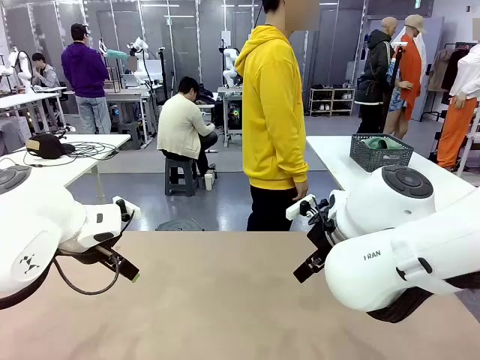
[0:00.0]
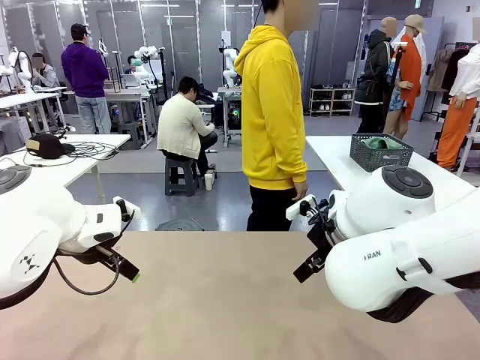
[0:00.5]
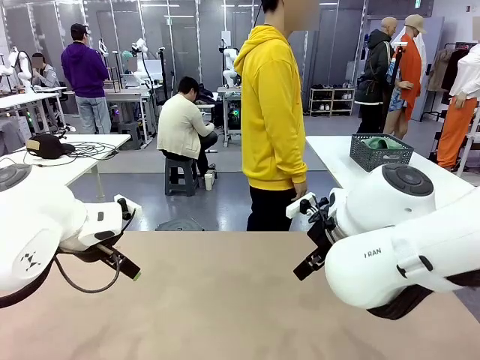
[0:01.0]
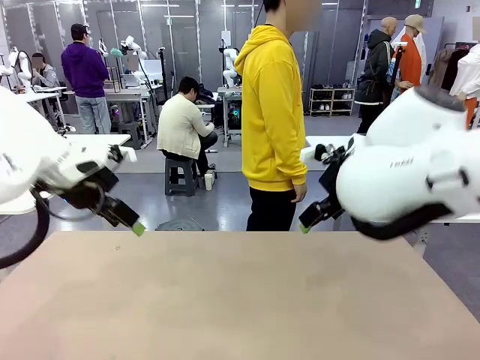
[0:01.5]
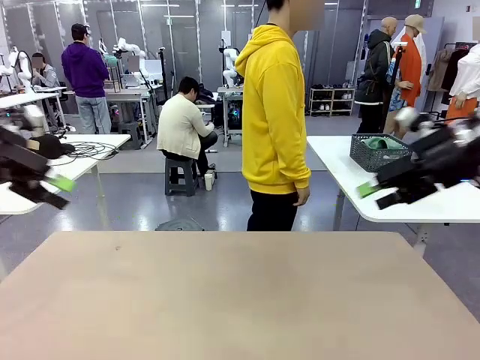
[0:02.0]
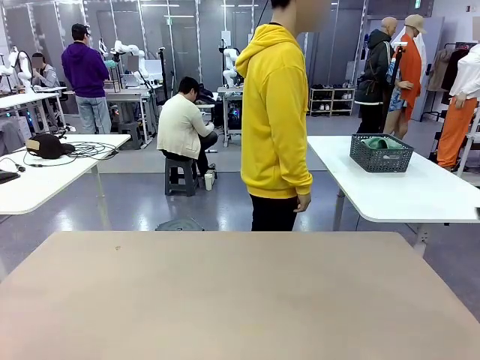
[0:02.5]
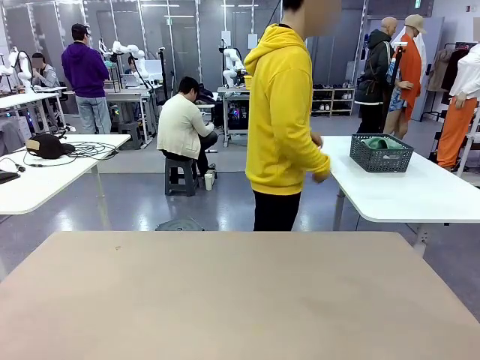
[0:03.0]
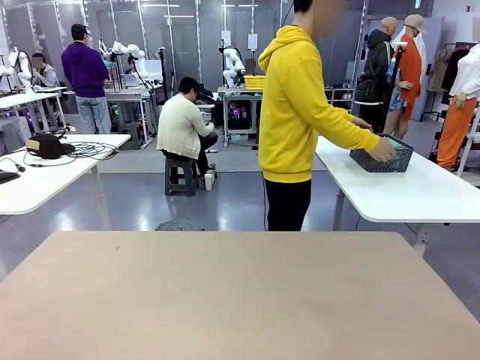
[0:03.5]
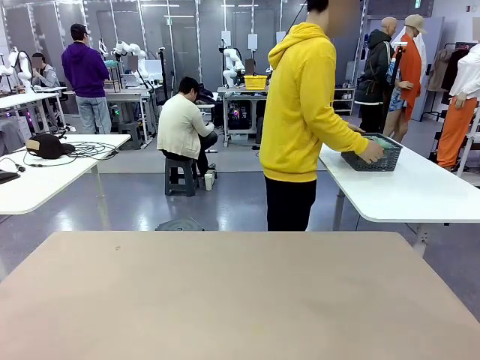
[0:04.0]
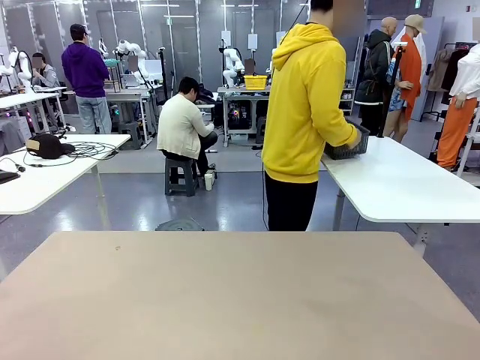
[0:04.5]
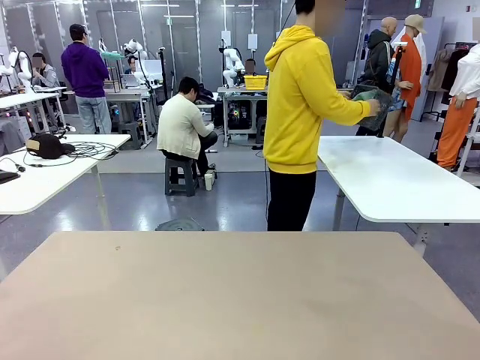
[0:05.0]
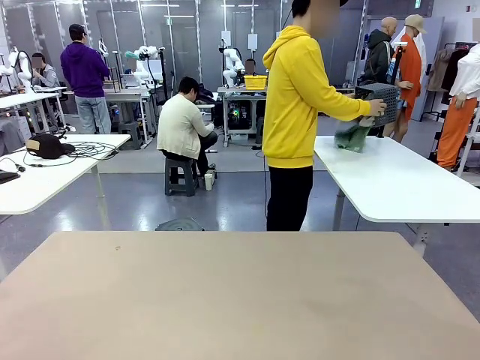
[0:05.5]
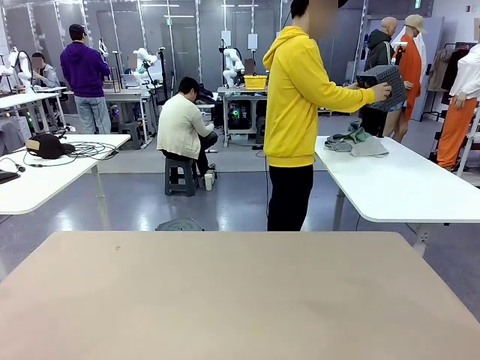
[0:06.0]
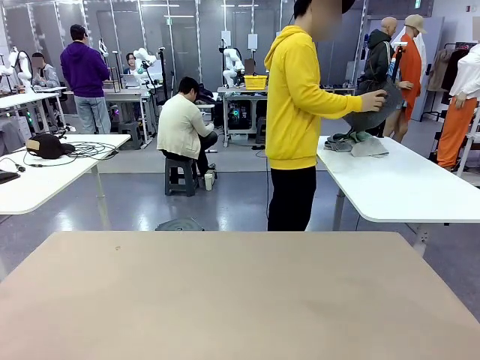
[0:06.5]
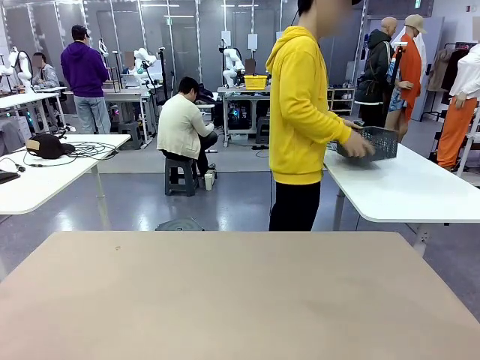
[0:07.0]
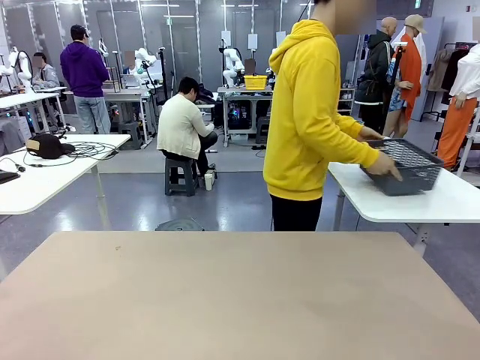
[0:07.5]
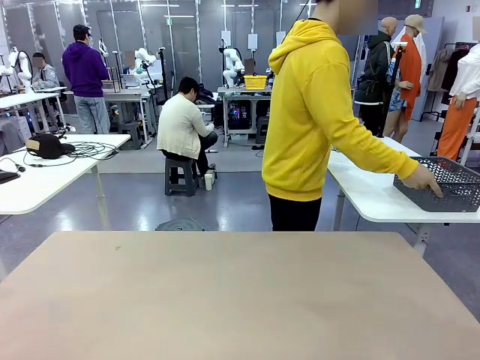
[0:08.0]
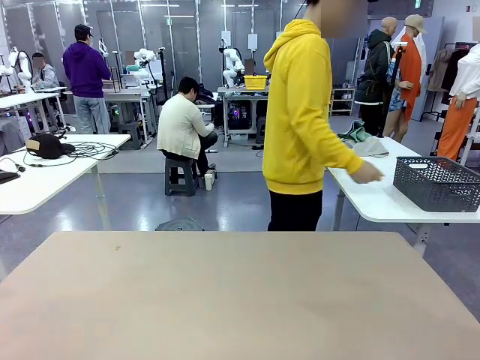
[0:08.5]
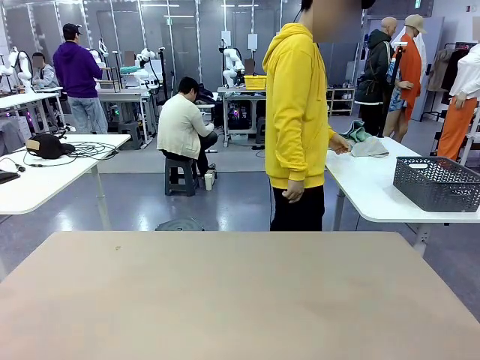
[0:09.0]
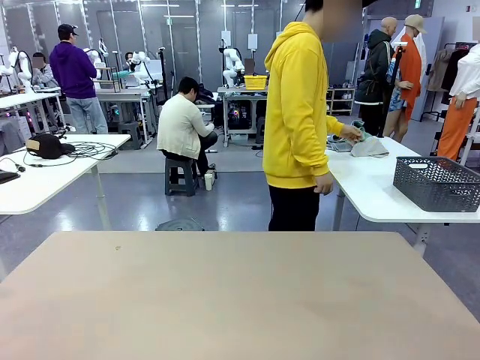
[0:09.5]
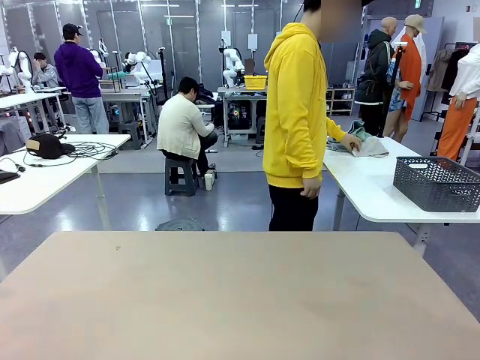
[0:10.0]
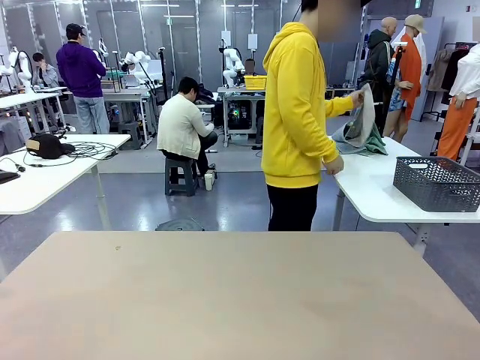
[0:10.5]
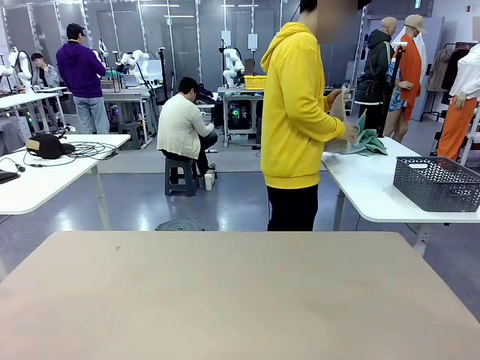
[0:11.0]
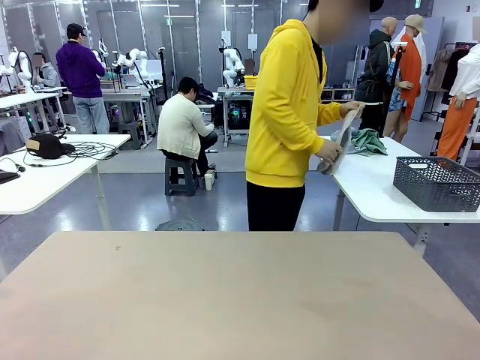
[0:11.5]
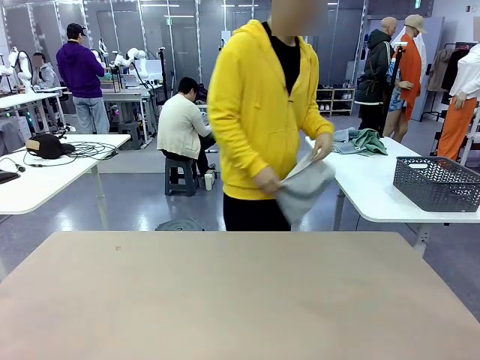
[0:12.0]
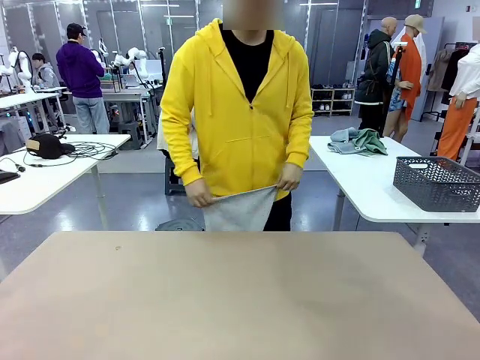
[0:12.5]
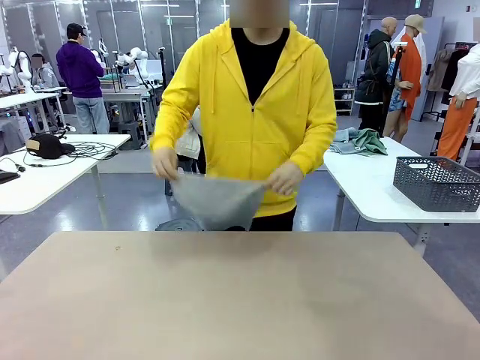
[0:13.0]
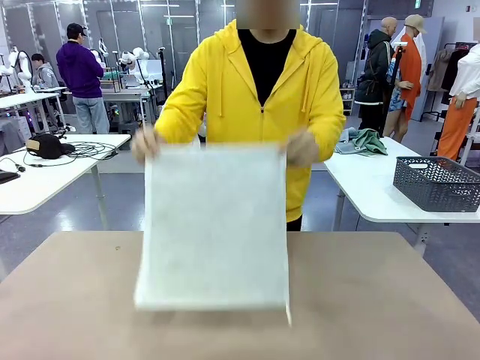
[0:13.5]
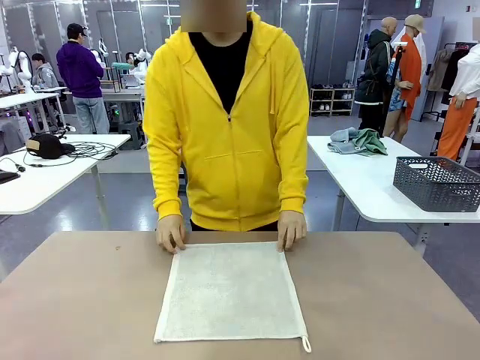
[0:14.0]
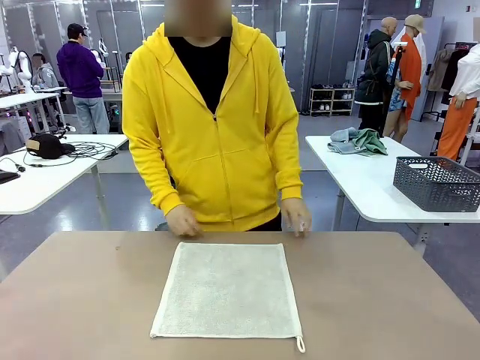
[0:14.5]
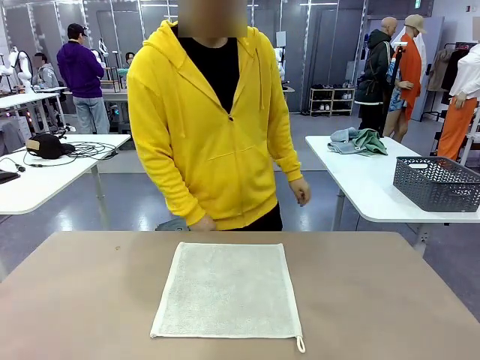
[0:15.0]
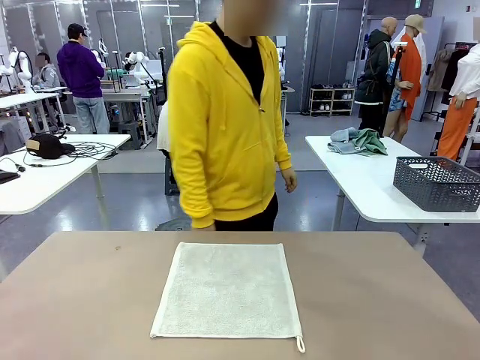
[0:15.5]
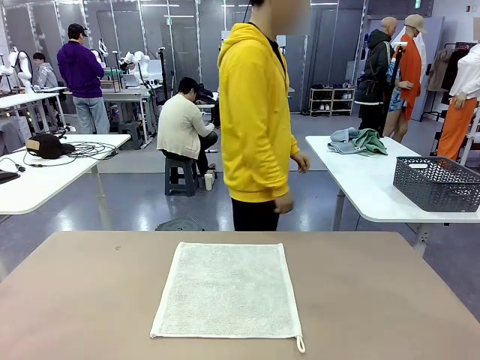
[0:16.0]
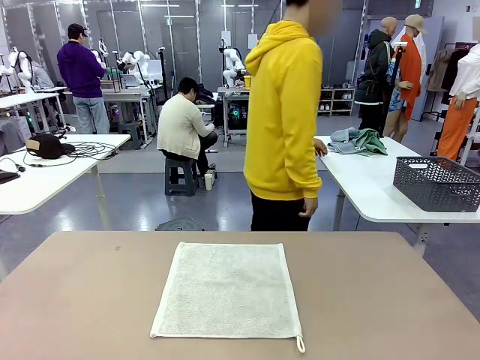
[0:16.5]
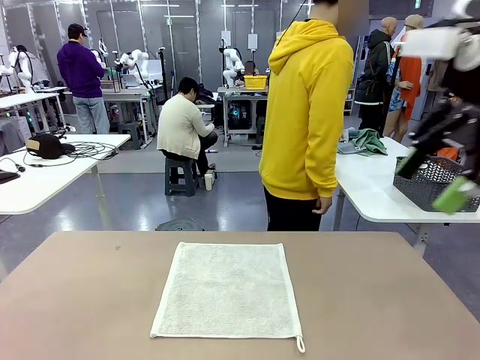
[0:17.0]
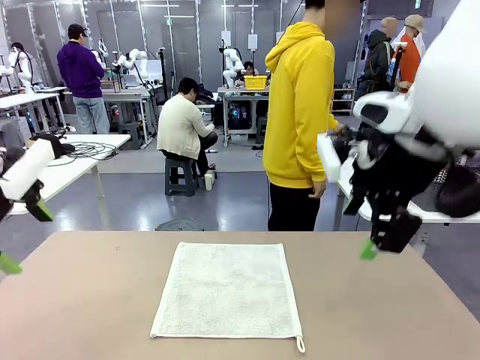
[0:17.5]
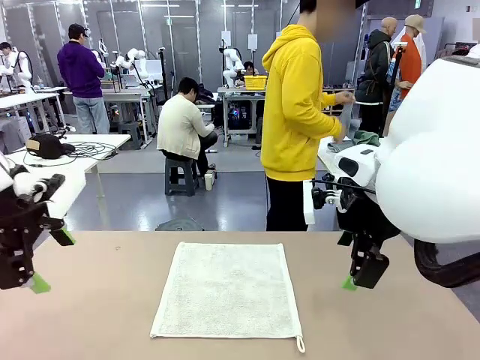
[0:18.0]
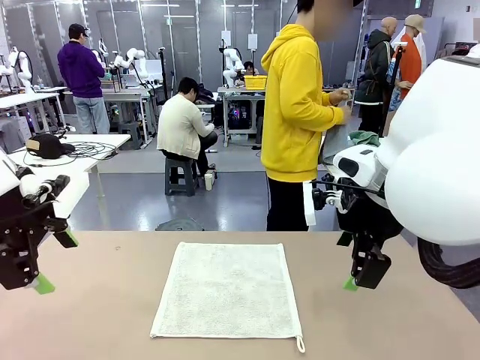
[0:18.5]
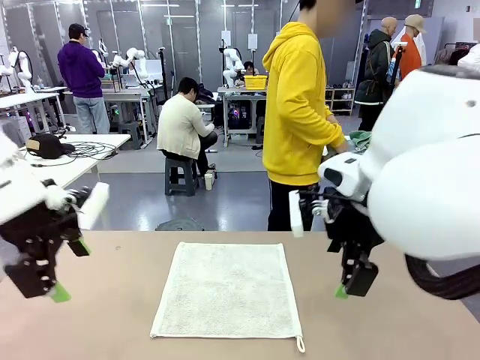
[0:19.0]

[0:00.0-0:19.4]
Task: Fold the towels and place them in the basket.
Robot: When a person lays out a Towel with hook on the table, fold it in half twice.
Person: Pick up the basket, pour the towels onto the left side of the human table, and place the basket on the right side. Pick up one towel and spread it out at the center of the robot table.

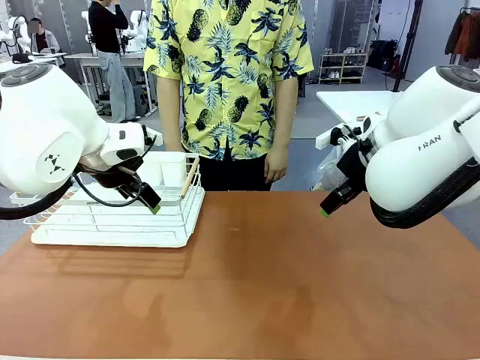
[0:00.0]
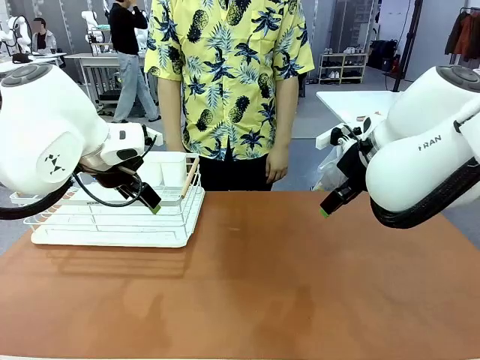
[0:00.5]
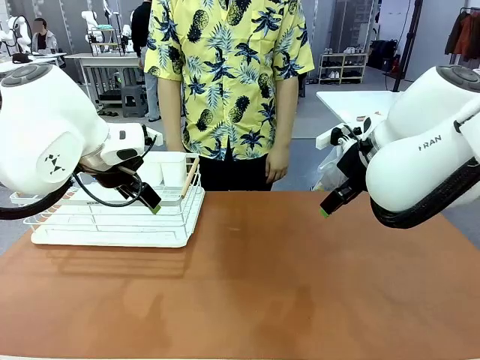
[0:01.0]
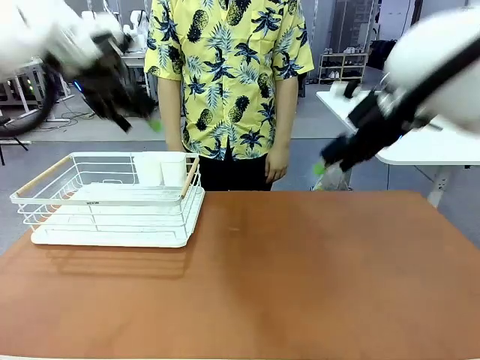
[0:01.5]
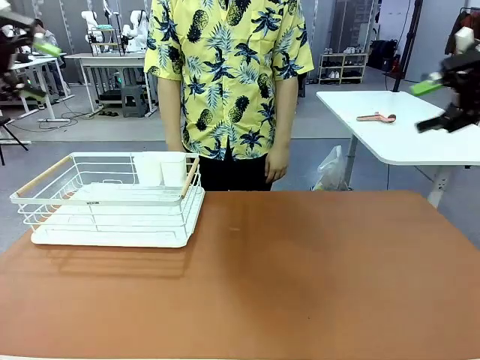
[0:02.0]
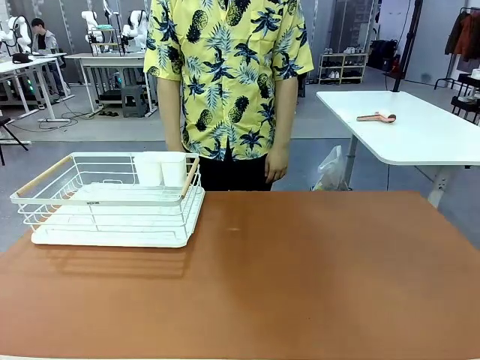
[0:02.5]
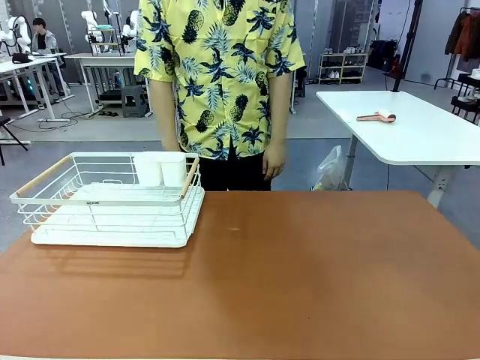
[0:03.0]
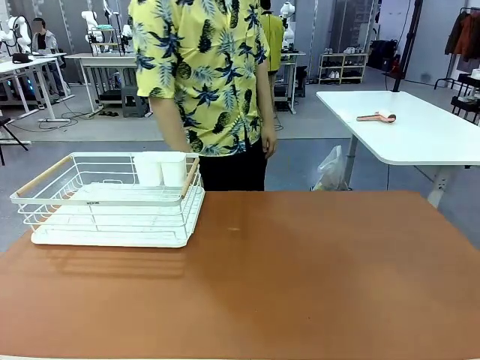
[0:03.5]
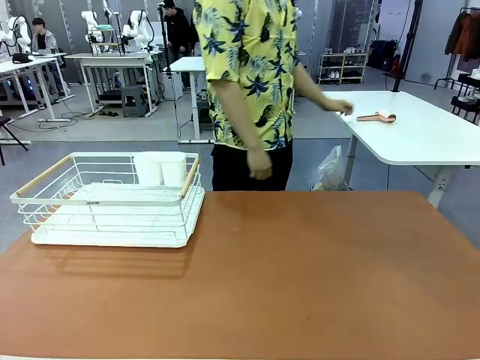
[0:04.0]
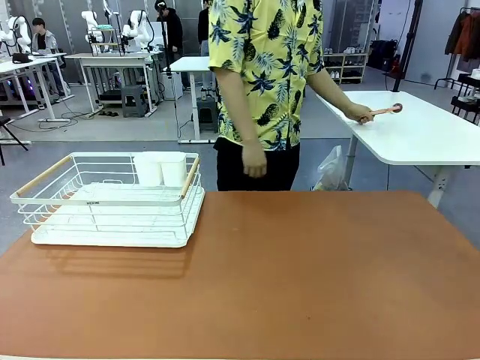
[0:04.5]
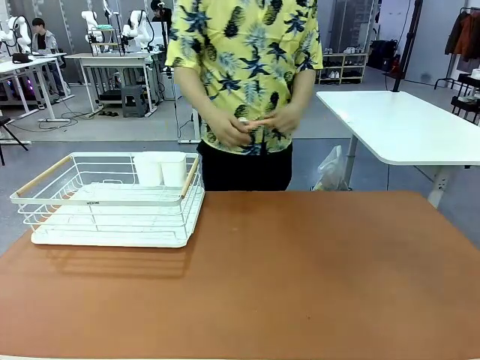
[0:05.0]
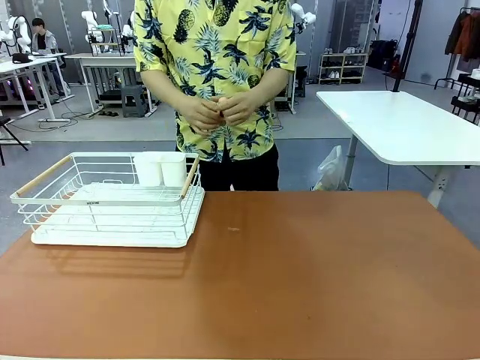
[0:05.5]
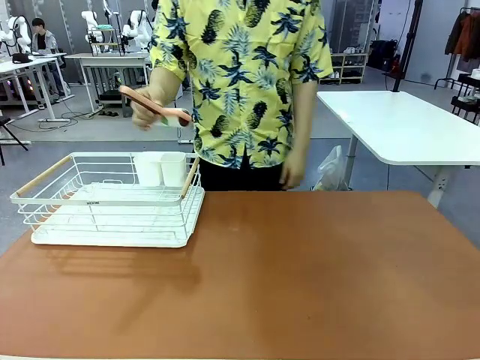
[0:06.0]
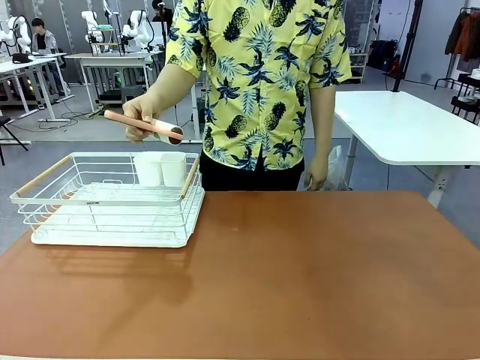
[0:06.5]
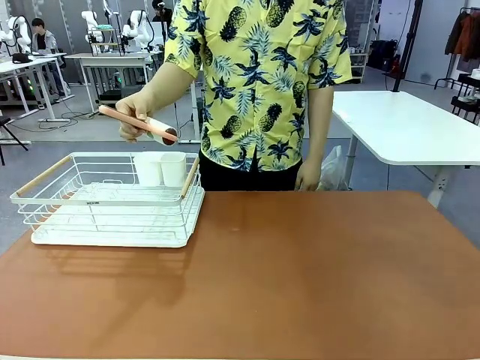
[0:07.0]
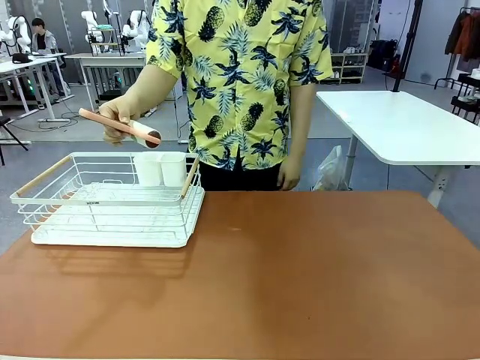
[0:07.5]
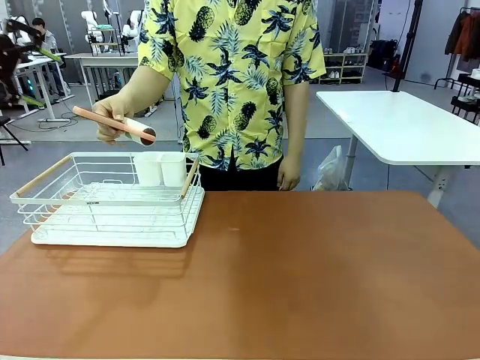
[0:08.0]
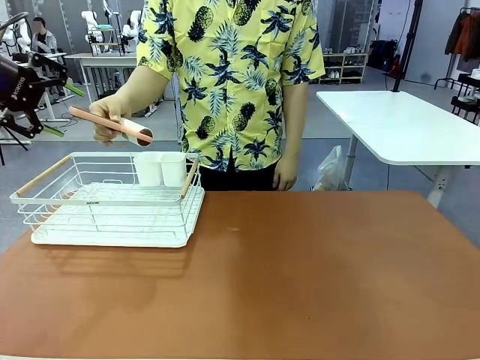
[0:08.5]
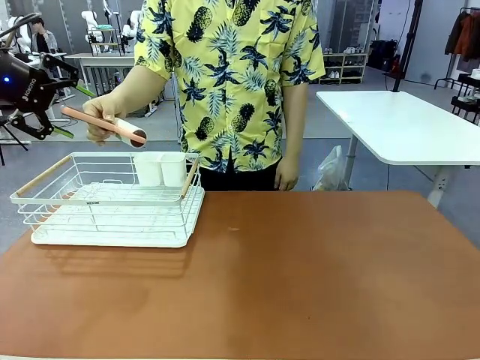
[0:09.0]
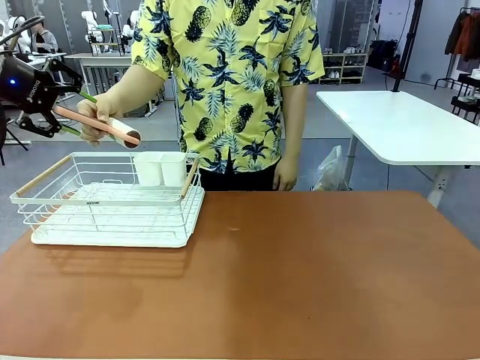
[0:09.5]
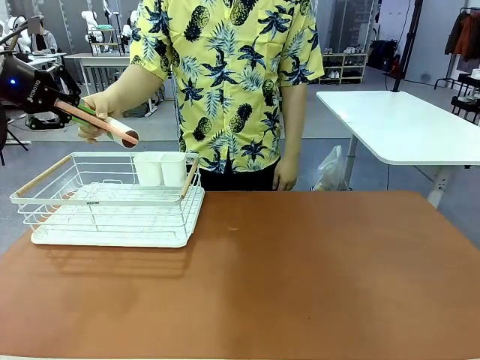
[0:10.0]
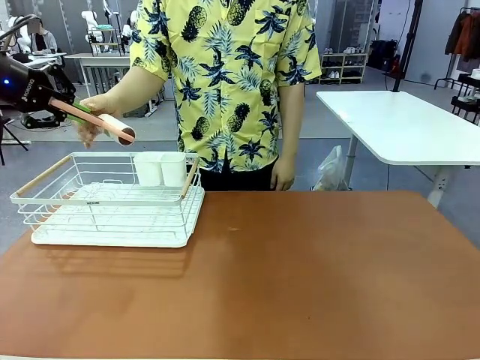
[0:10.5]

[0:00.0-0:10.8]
Task: Clean the table.
Robot: Pick up the Lint Roller when the human hands it over.
Person: Hand the Lint Roller to the robot so it can easily pick it up. Lift the Dish drying rack.
